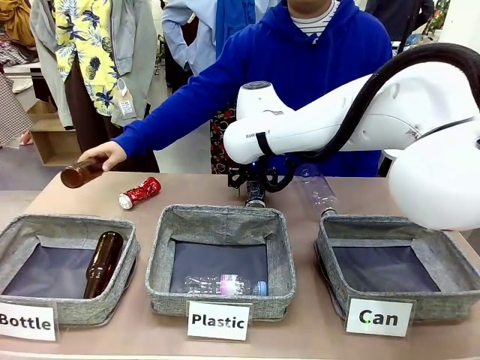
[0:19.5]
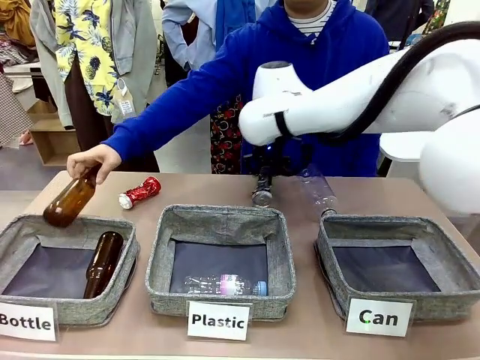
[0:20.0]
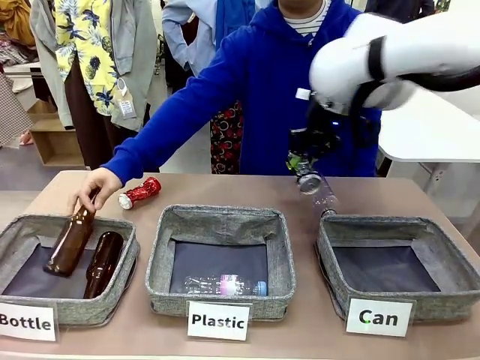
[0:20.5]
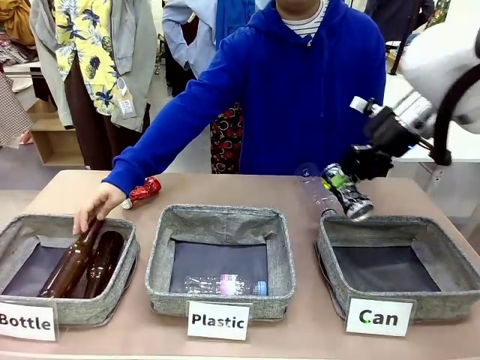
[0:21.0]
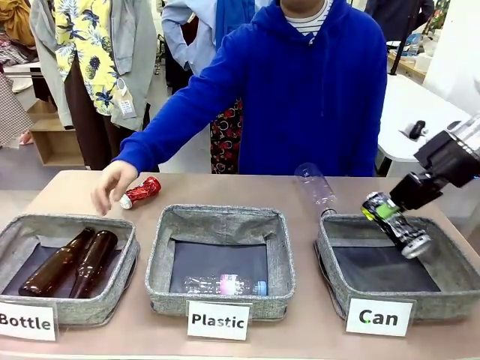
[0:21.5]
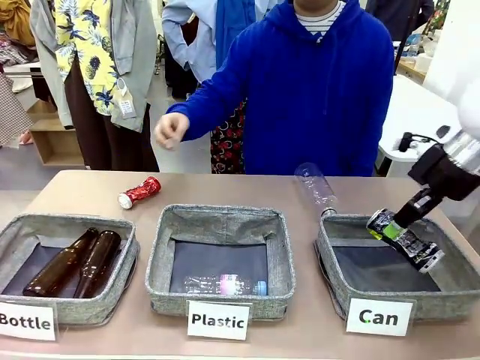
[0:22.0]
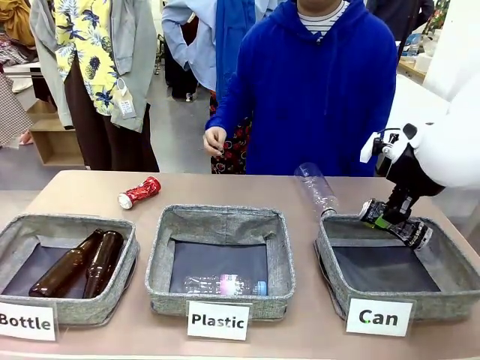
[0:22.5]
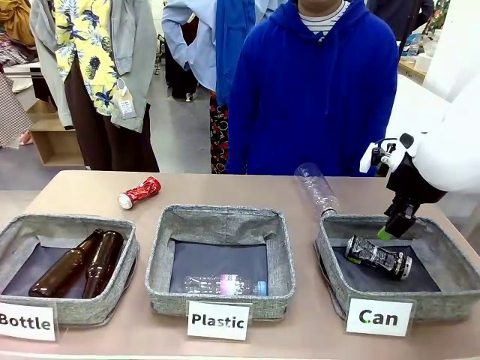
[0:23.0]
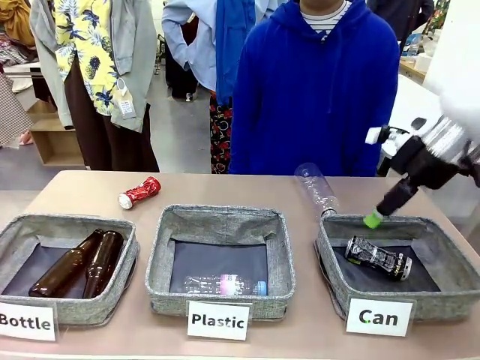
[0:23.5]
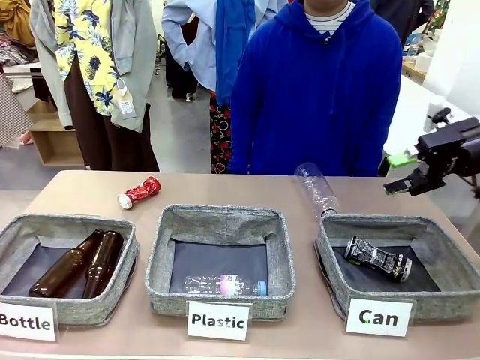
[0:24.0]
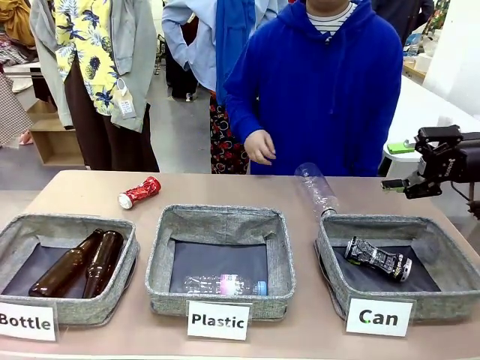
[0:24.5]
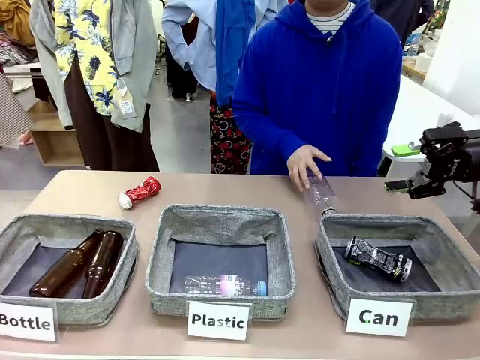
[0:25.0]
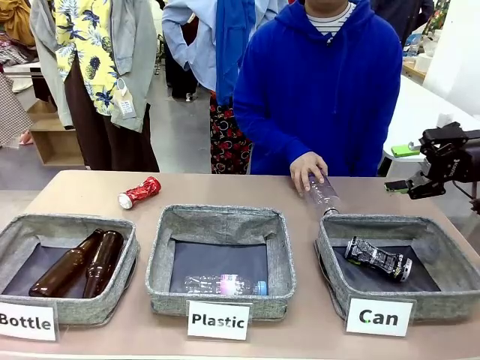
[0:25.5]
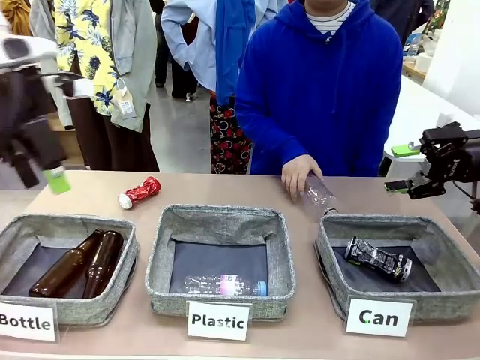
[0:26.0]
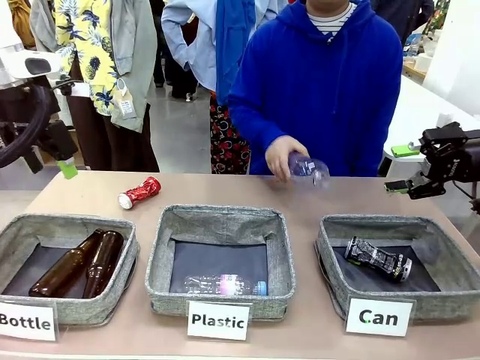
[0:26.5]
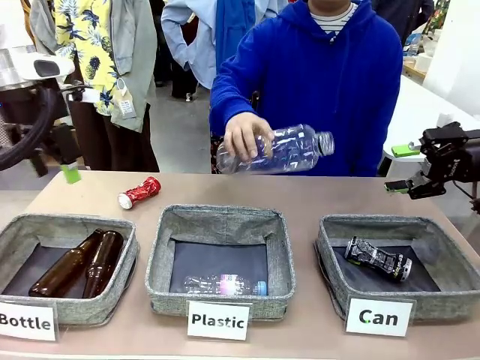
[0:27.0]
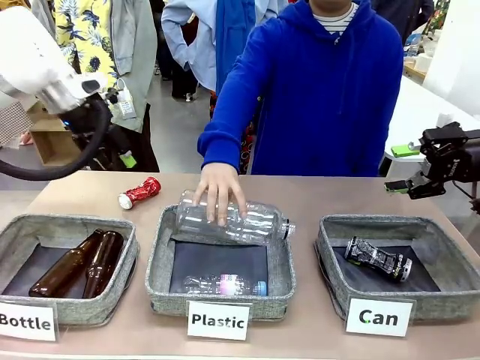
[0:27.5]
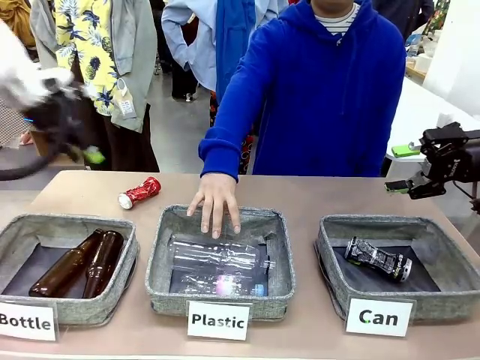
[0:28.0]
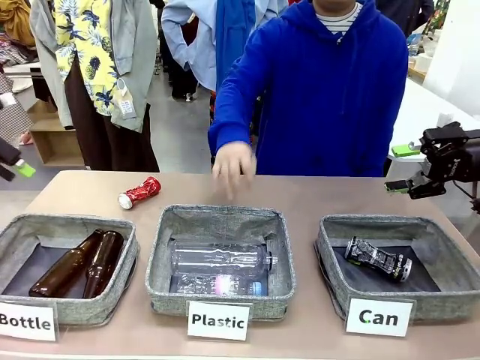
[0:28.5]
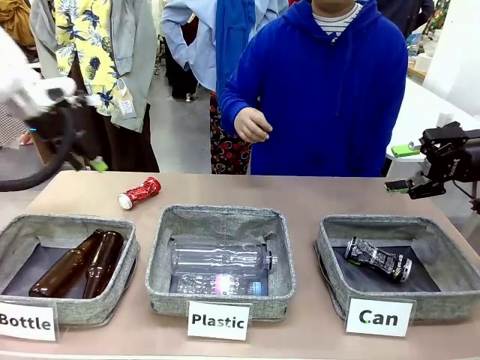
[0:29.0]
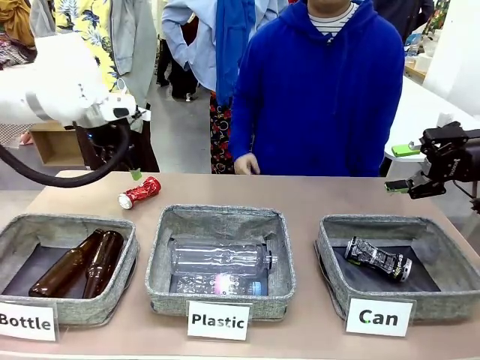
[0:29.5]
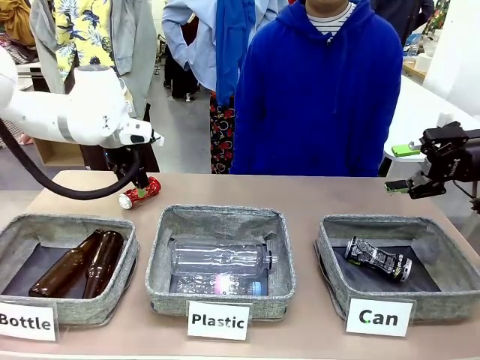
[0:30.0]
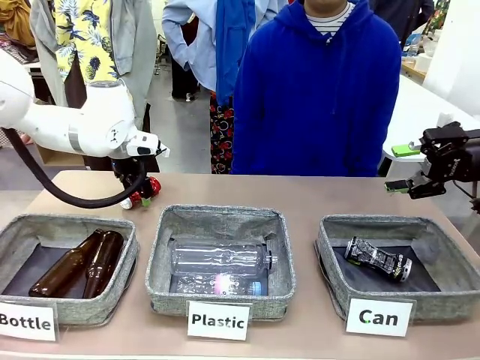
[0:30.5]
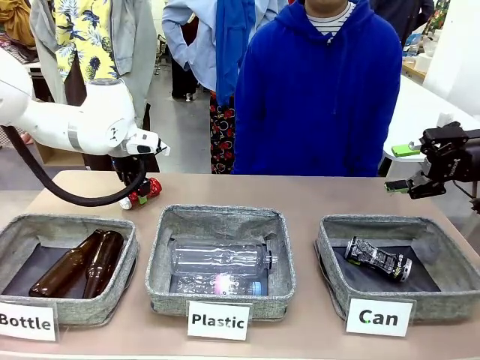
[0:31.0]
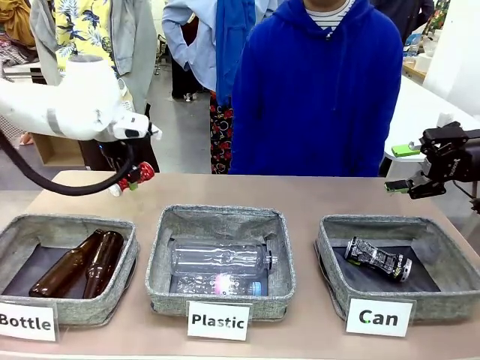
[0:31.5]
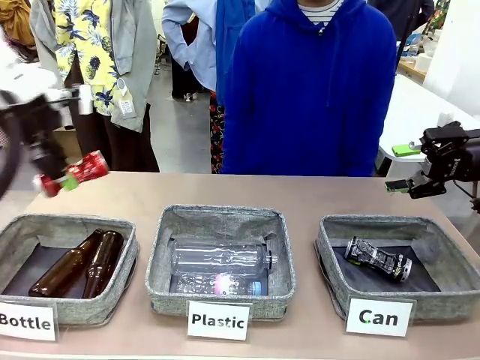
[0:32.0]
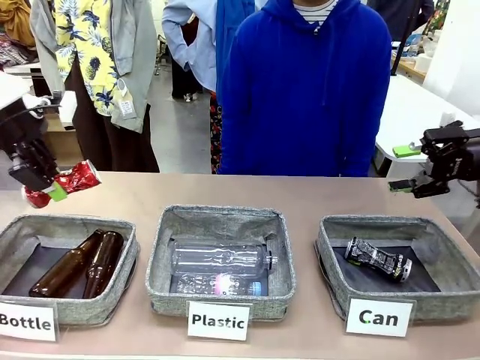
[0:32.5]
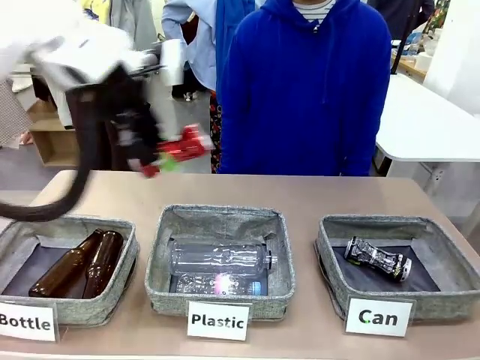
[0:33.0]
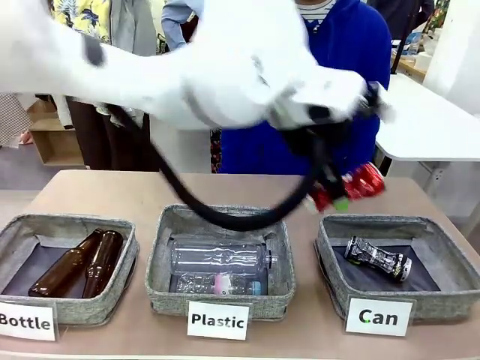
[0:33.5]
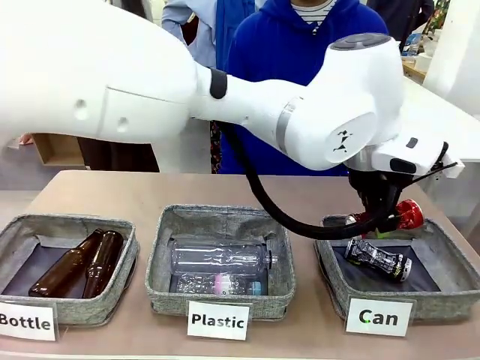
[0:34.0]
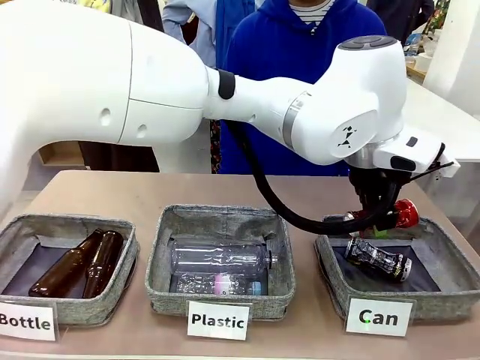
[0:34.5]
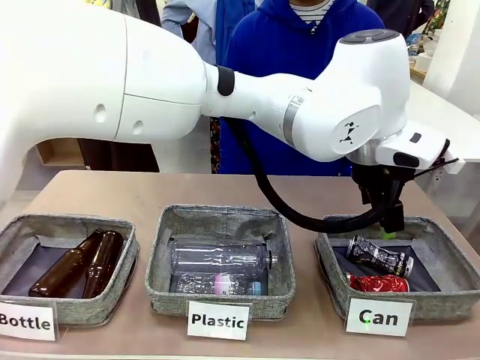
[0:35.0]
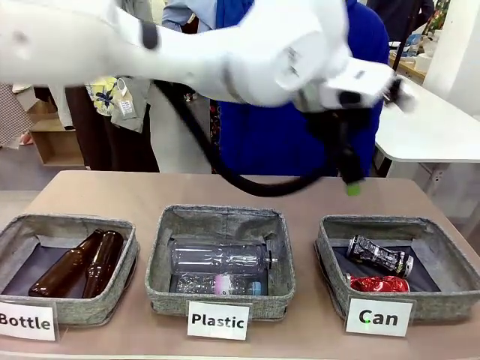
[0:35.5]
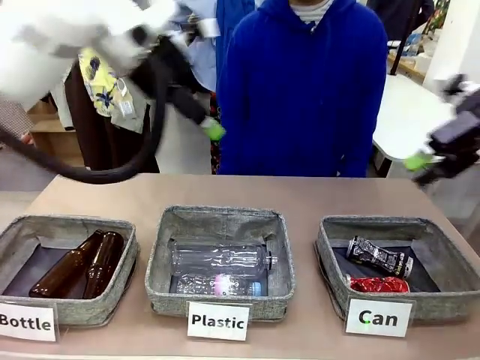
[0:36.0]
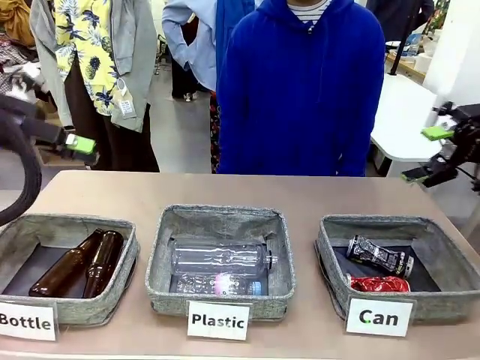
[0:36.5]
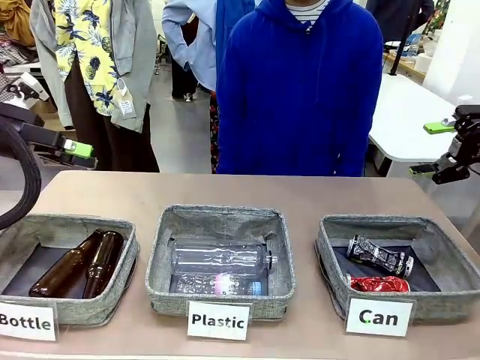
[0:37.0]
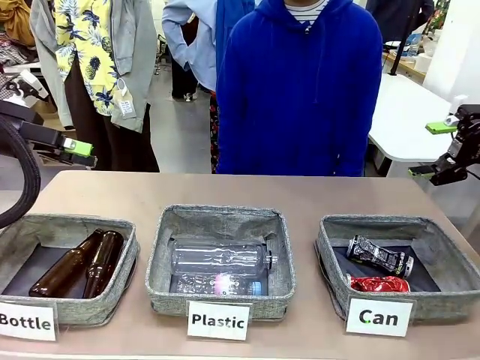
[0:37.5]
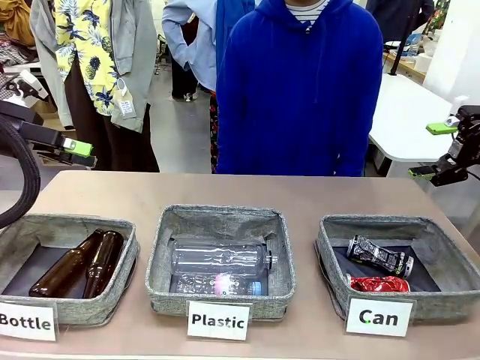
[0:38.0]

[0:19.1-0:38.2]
Task: Sort the can waste into the basket.
Robot: Pick up the can waste from the table and place it in the right Fabric basket.

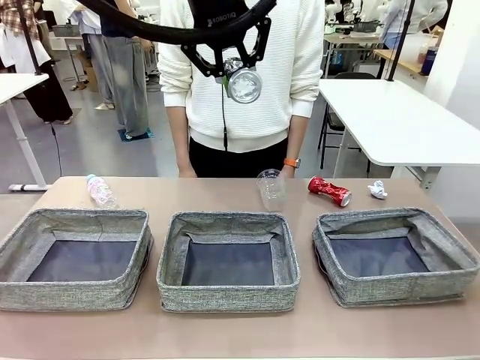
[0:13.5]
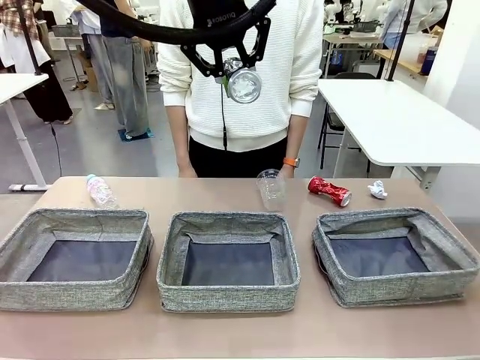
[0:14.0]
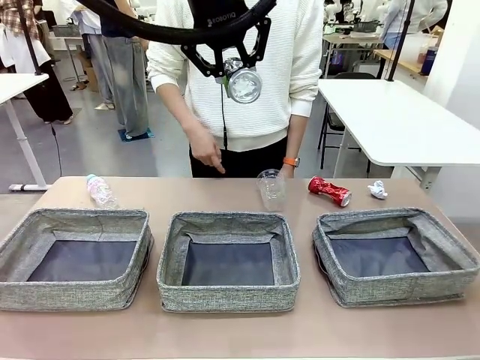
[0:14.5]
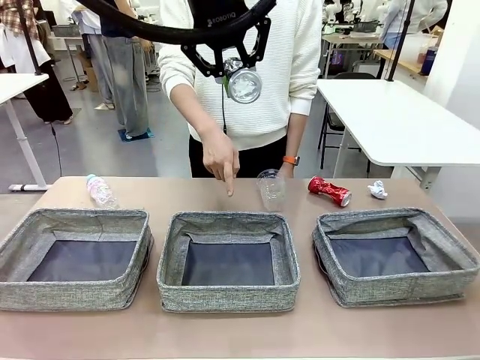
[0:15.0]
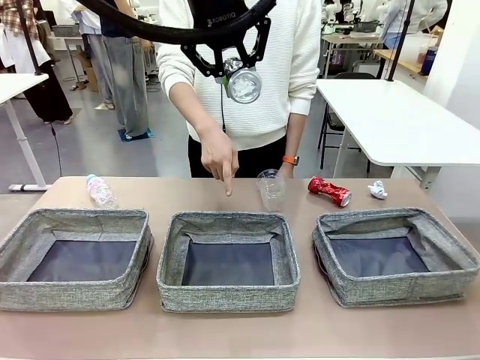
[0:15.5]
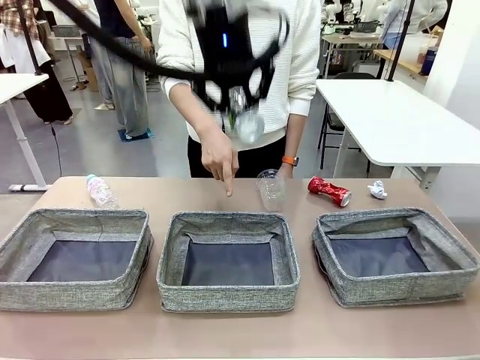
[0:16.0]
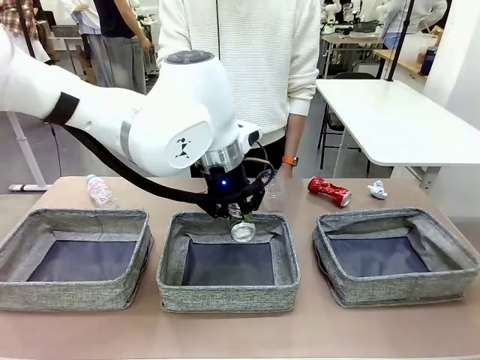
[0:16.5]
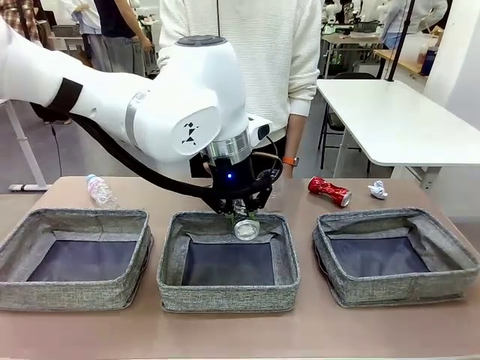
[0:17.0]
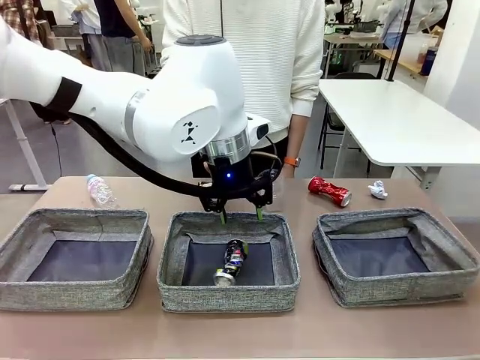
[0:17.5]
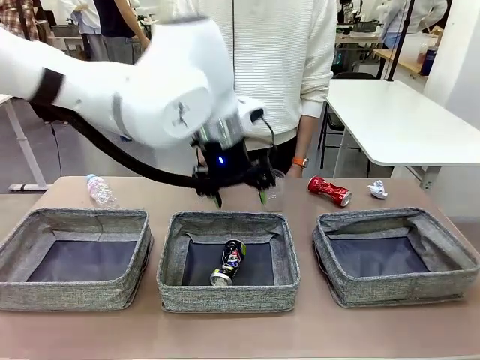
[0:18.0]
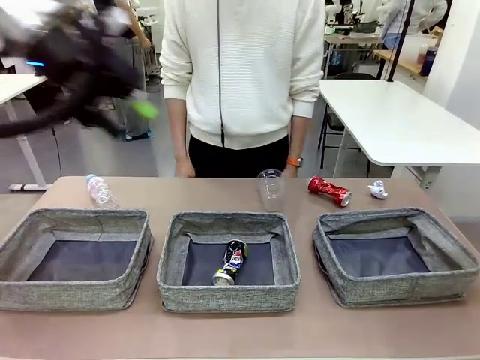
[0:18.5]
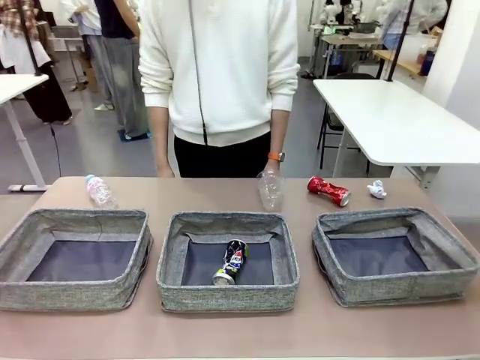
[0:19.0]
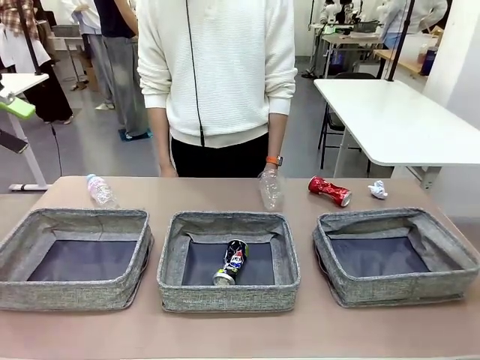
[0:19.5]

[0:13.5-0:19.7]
Task: Sort the waste into the appropriate baskets.
Robot: Place the picked waste into the Fabric basket indicated by the person.
Person: Instructs the robot to place the picked-up trash into the appropriate organizing basket.
